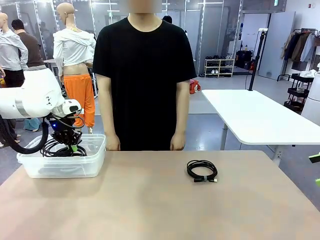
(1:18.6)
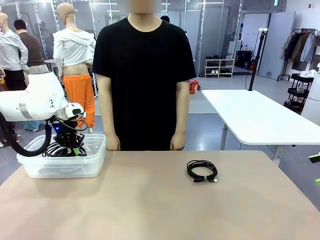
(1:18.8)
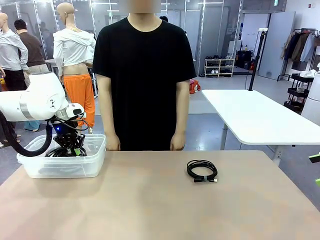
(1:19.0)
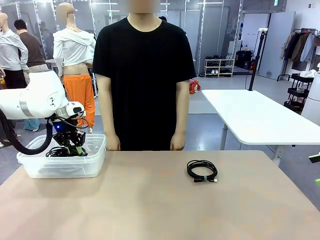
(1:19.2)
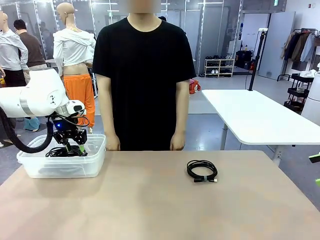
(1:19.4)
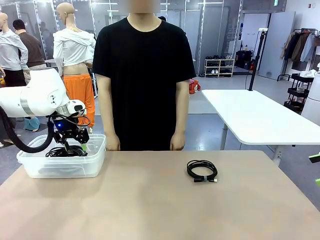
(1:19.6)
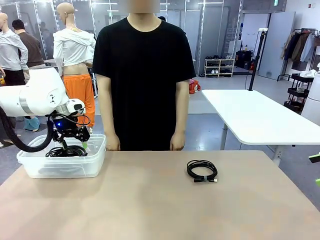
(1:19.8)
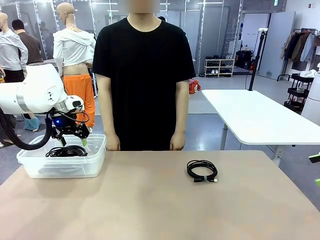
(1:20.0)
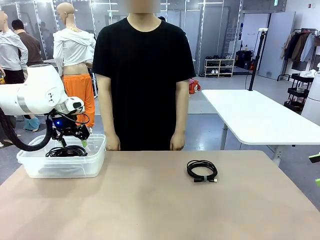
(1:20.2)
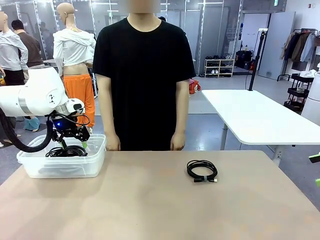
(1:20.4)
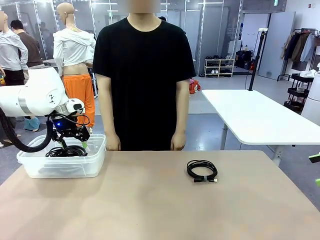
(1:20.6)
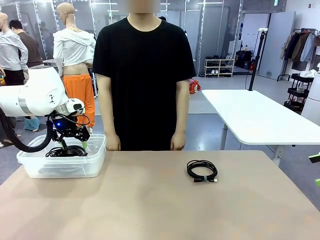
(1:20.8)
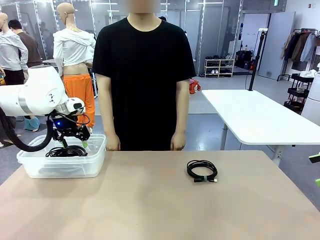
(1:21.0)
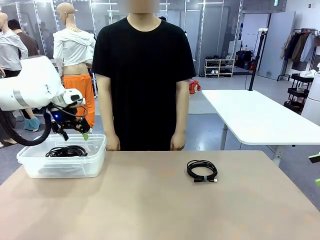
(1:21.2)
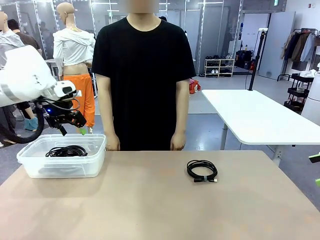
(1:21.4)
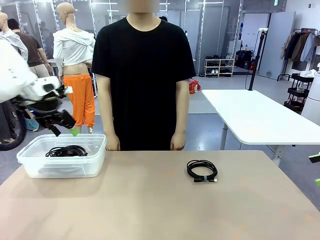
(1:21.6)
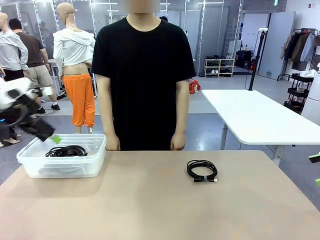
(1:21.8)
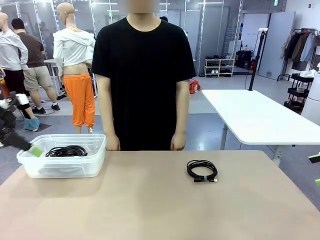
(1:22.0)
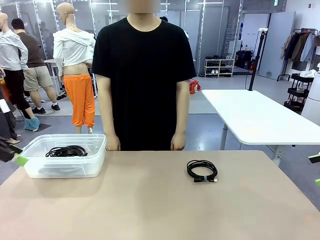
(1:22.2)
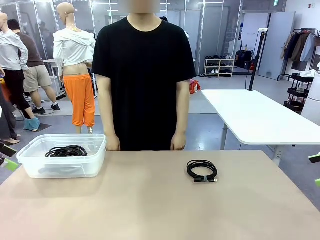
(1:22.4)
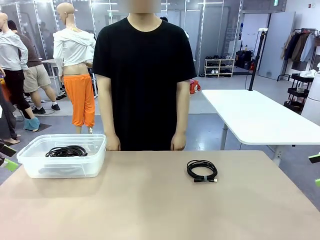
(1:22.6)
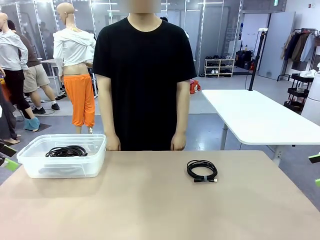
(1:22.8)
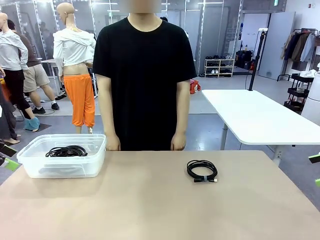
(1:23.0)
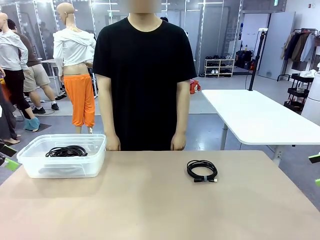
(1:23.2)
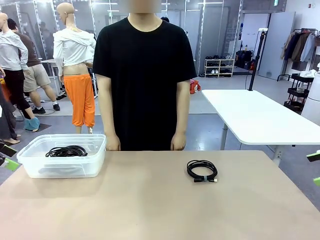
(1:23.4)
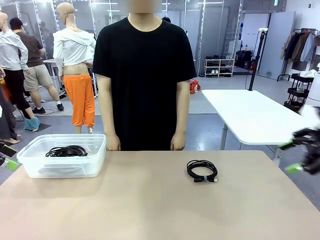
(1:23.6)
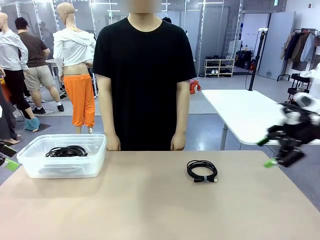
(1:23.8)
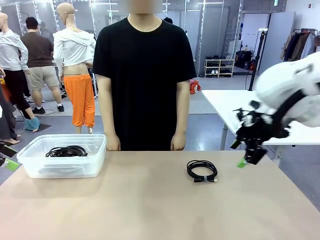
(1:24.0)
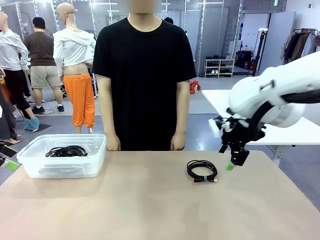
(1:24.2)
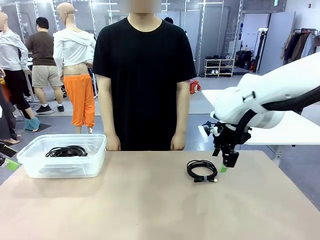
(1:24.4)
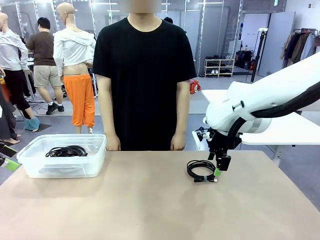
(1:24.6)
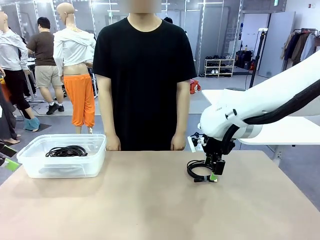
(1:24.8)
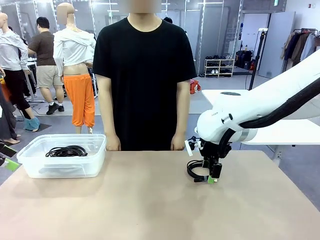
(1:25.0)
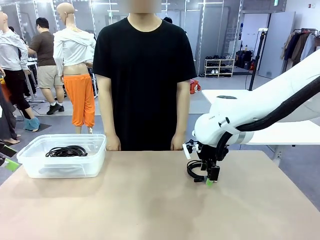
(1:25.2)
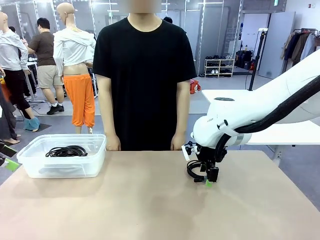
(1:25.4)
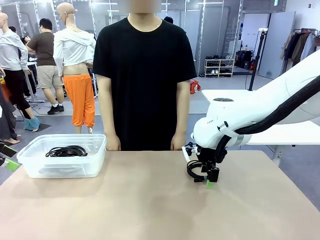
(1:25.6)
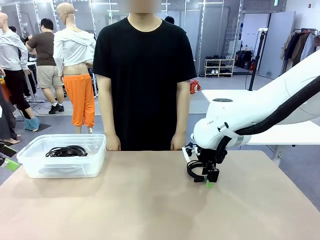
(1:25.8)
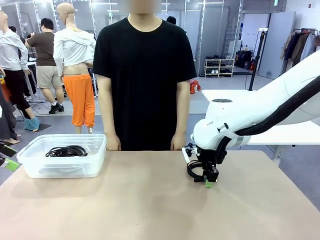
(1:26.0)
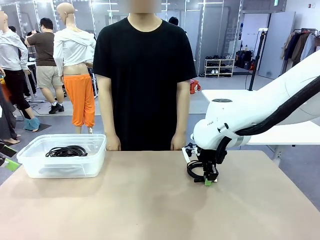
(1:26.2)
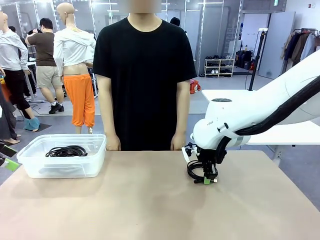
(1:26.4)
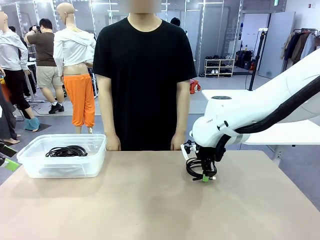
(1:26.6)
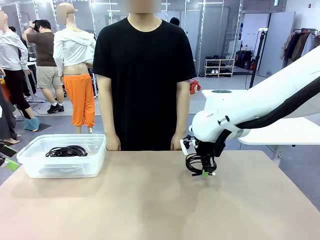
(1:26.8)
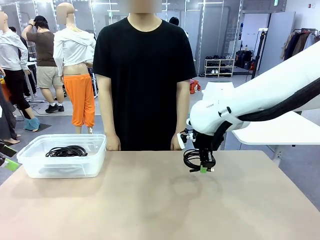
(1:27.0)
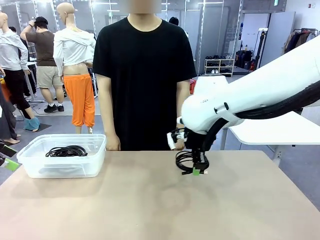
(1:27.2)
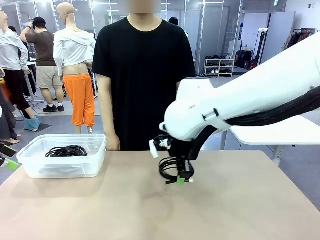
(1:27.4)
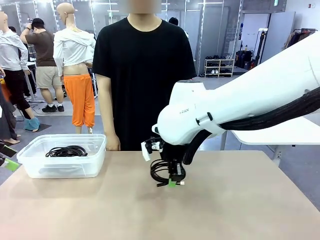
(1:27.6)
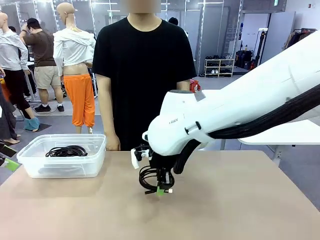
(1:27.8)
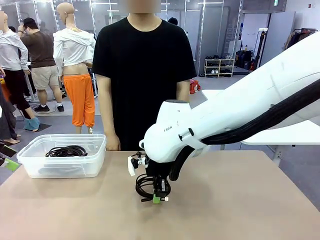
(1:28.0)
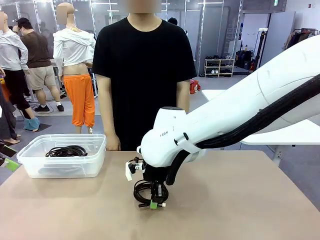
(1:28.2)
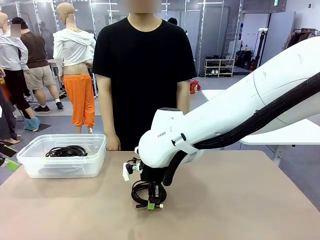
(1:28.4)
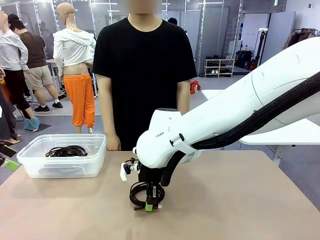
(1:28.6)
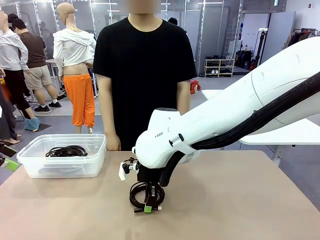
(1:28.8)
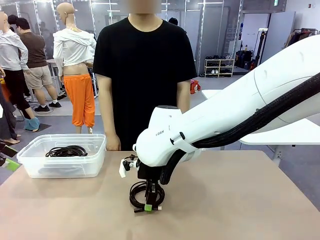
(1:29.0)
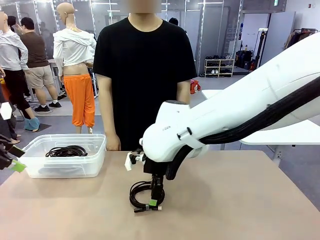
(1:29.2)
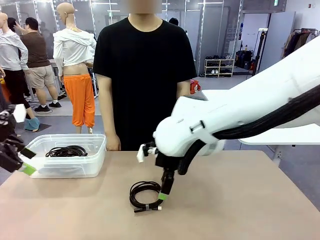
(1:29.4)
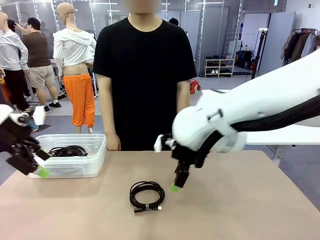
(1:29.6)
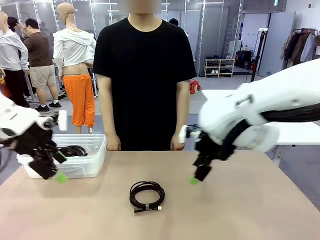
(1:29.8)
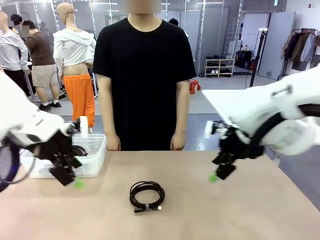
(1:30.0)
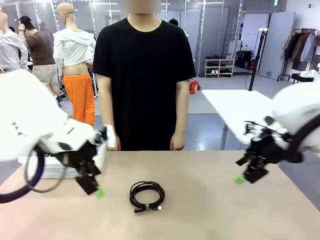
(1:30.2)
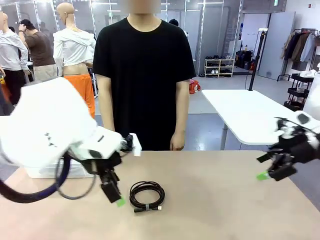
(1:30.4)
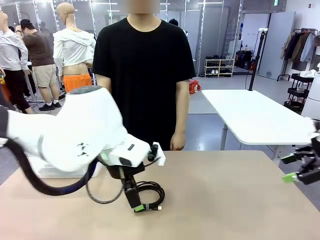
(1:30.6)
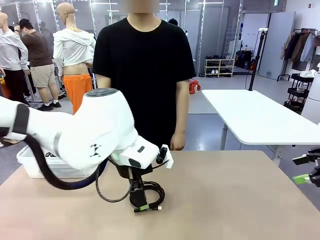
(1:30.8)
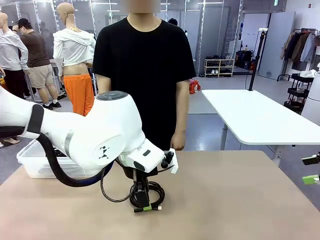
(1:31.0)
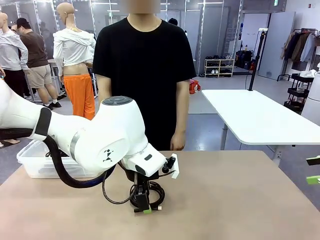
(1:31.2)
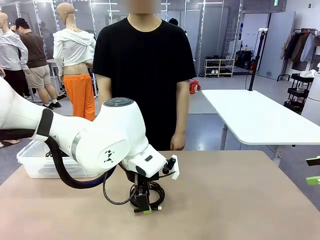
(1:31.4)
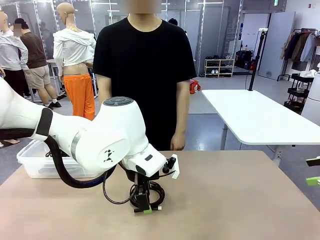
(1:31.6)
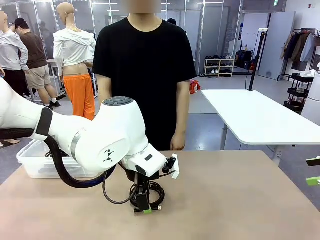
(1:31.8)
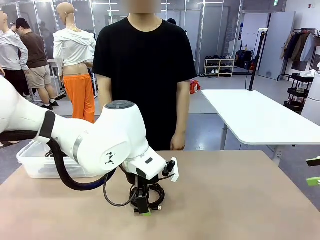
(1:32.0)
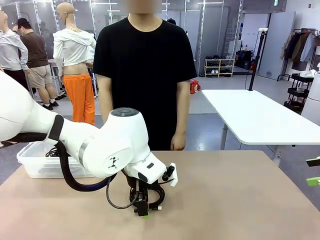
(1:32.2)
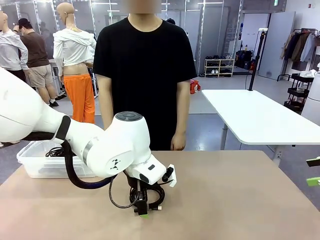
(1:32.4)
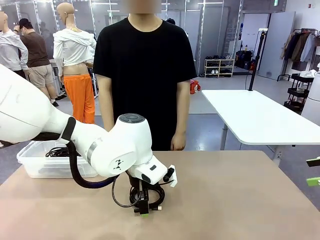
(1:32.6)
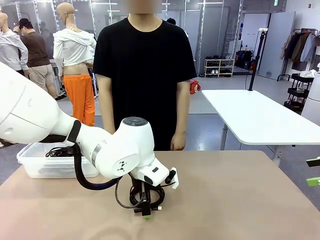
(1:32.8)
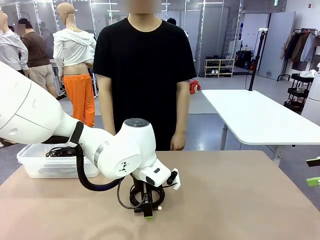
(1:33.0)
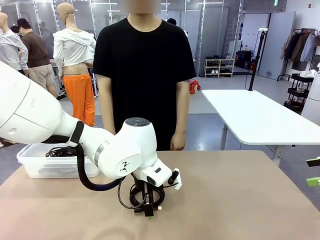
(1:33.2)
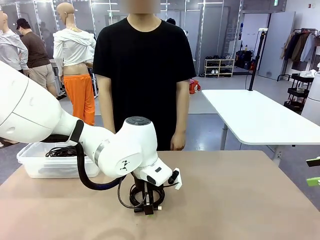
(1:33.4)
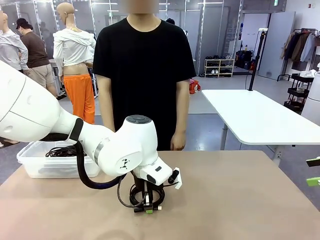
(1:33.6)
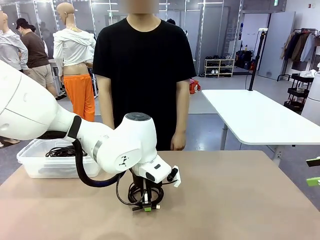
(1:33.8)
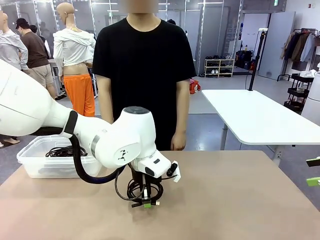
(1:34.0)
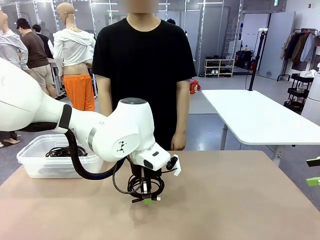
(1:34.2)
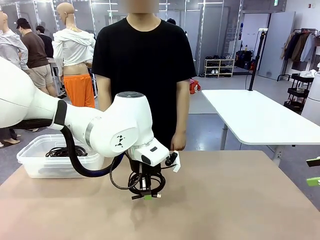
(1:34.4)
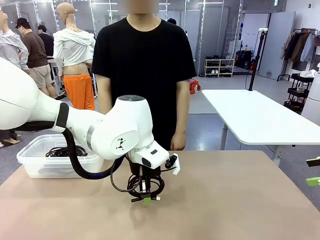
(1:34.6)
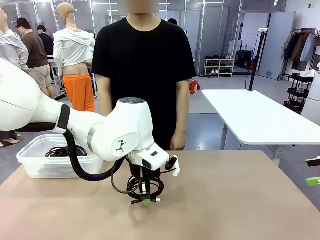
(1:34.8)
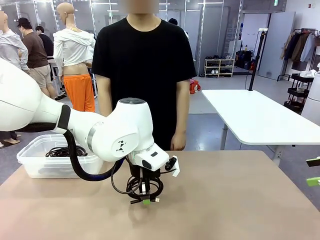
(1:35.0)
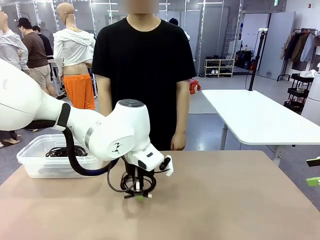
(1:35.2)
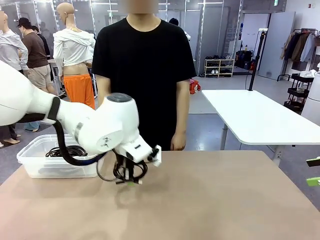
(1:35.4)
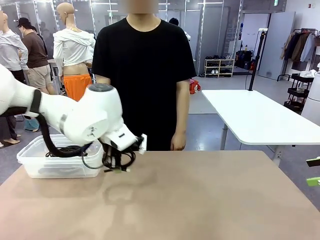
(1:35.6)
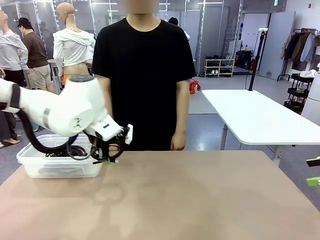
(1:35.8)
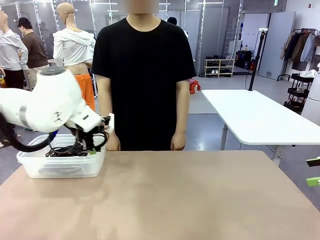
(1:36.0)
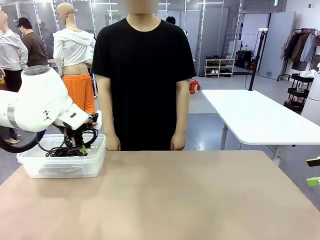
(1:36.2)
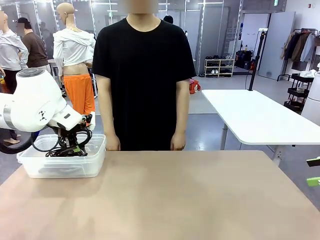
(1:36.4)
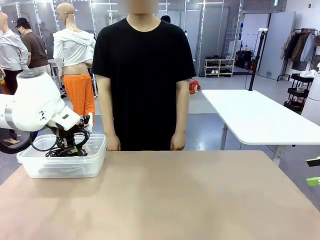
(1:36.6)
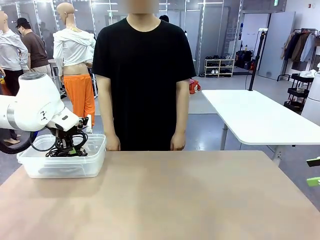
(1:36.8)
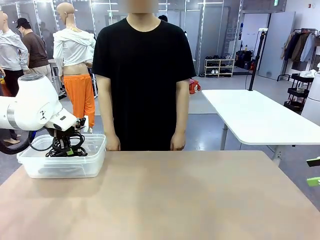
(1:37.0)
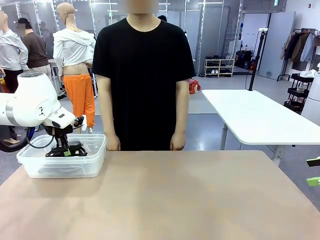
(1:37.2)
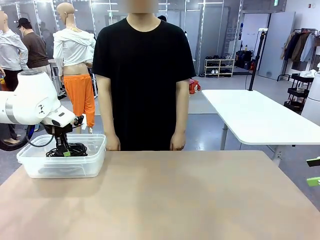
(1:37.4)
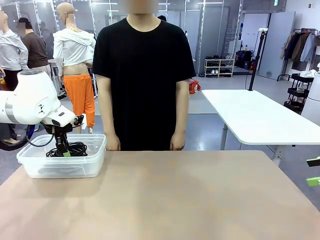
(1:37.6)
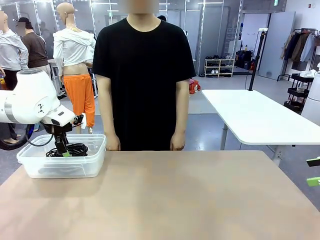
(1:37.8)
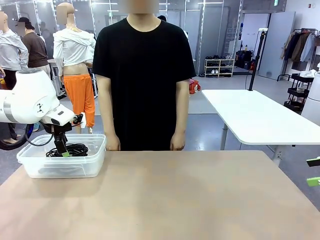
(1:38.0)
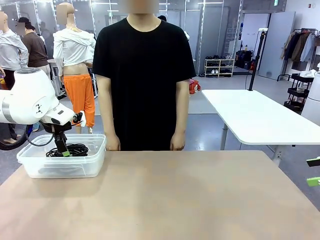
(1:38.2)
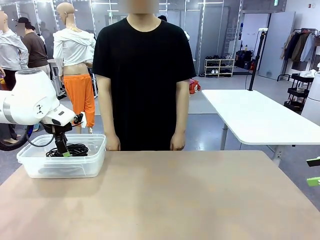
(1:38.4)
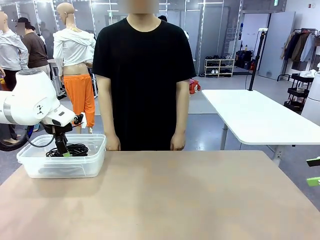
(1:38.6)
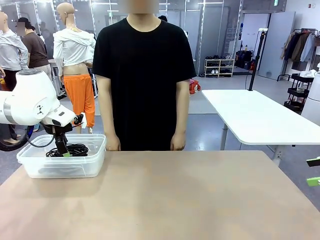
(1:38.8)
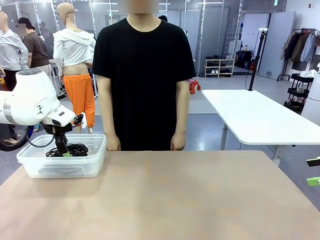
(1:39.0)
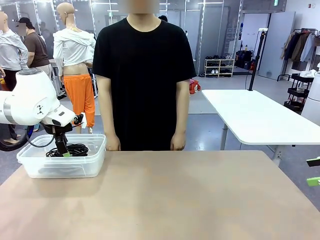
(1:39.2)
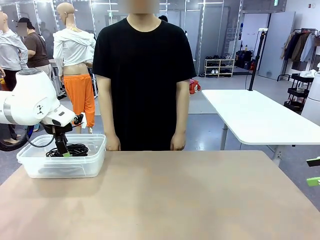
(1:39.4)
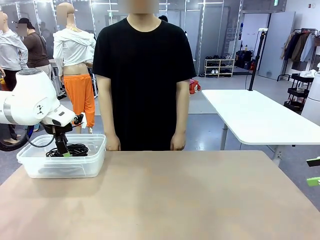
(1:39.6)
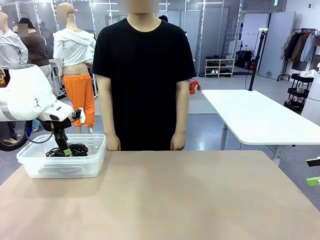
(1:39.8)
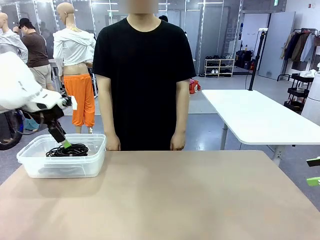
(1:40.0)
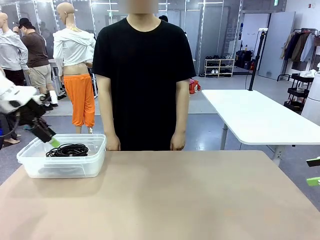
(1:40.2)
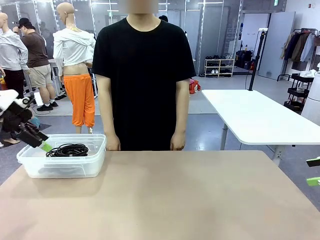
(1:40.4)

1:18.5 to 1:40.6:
Task: Organize and store the cables.
Robot: Place the USB Extension Cable into the Organizing box.
